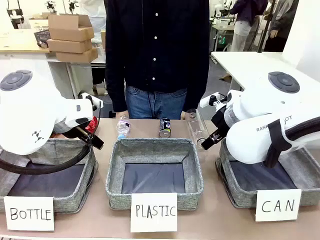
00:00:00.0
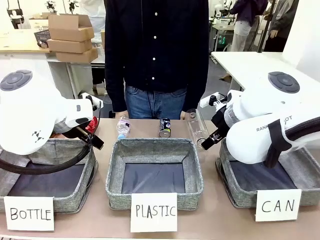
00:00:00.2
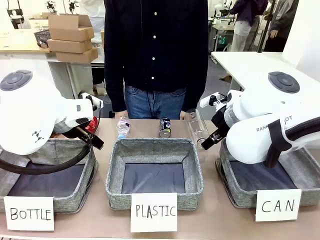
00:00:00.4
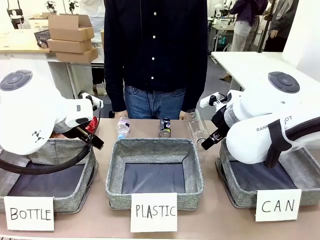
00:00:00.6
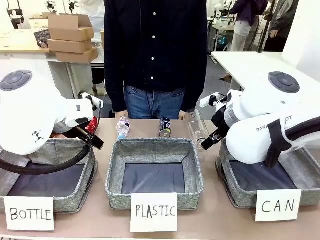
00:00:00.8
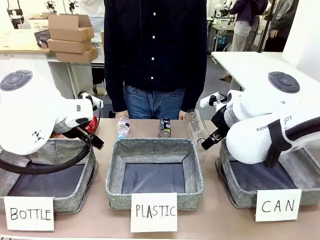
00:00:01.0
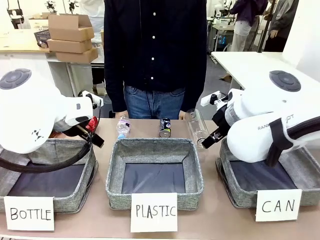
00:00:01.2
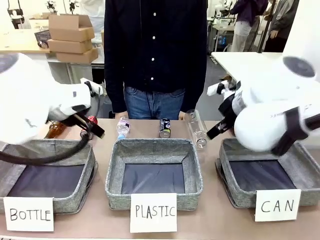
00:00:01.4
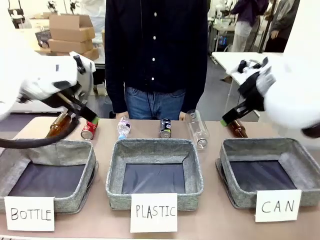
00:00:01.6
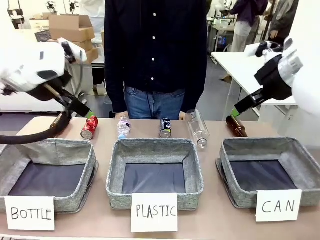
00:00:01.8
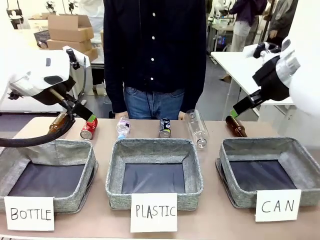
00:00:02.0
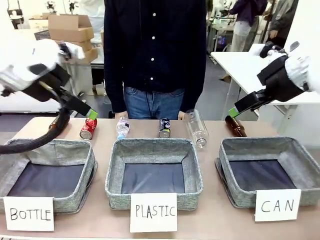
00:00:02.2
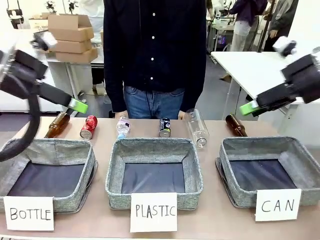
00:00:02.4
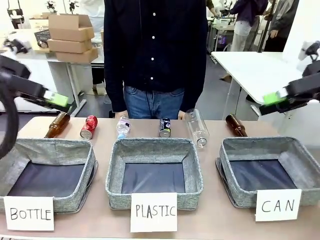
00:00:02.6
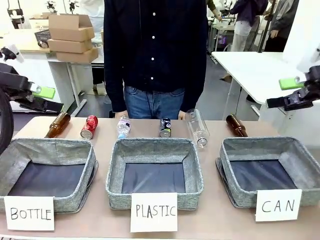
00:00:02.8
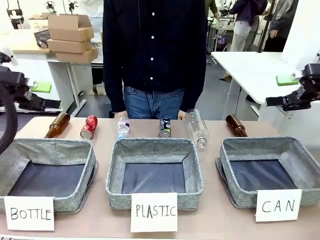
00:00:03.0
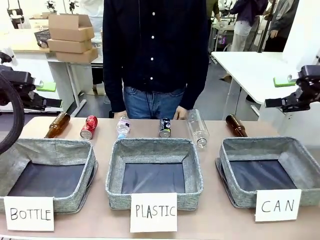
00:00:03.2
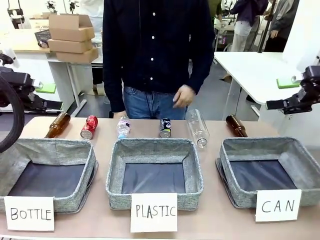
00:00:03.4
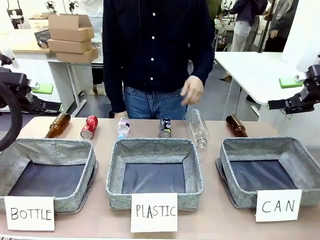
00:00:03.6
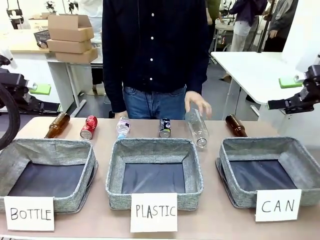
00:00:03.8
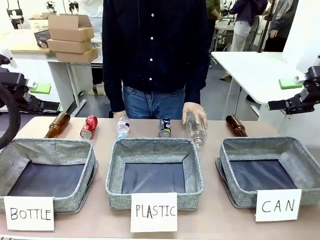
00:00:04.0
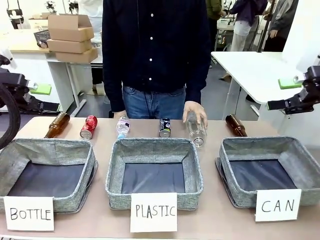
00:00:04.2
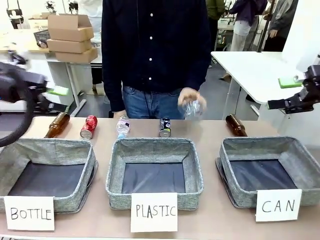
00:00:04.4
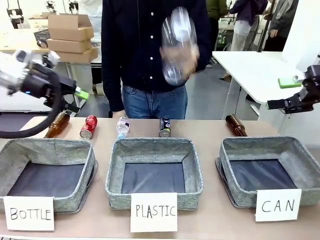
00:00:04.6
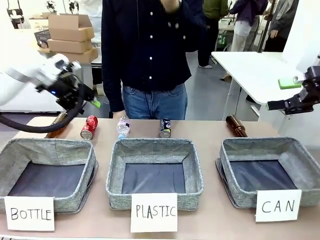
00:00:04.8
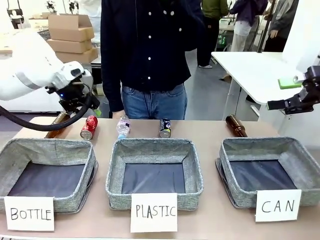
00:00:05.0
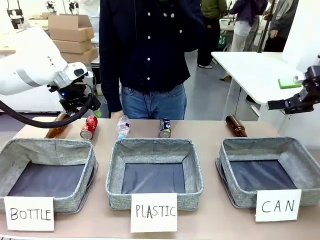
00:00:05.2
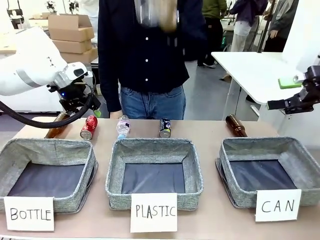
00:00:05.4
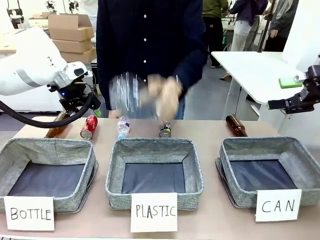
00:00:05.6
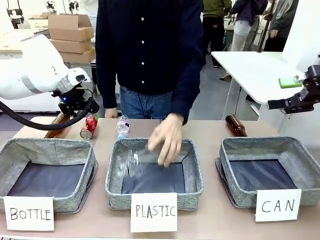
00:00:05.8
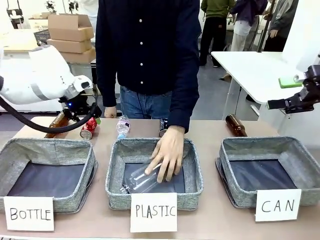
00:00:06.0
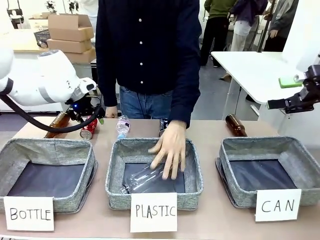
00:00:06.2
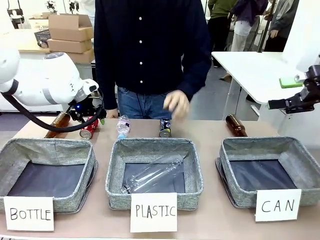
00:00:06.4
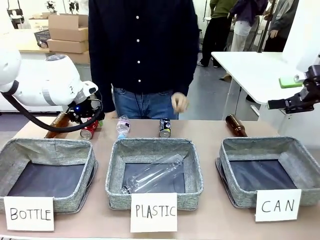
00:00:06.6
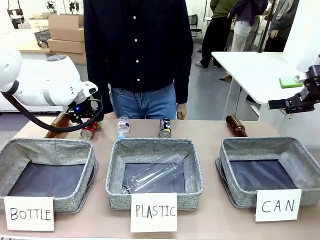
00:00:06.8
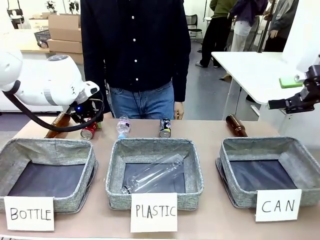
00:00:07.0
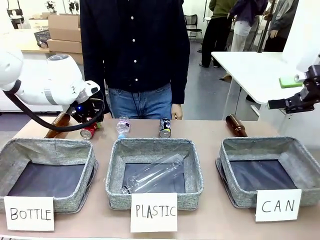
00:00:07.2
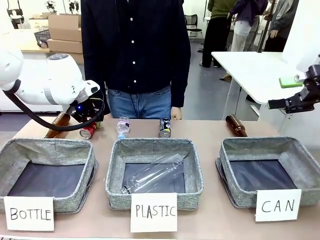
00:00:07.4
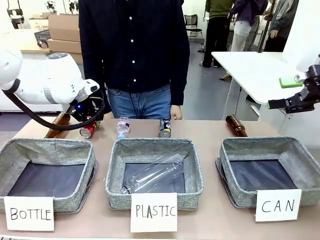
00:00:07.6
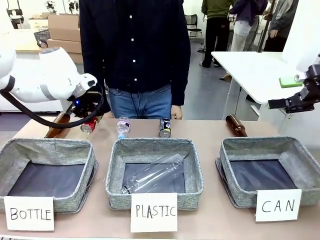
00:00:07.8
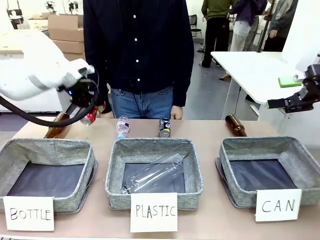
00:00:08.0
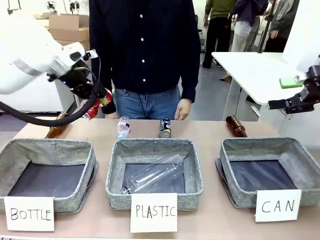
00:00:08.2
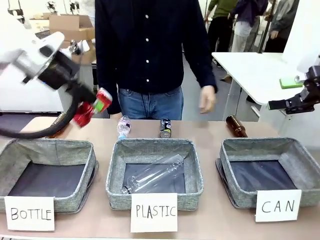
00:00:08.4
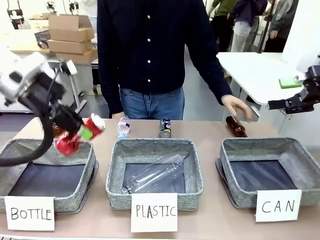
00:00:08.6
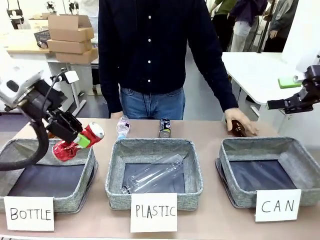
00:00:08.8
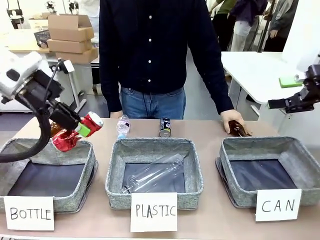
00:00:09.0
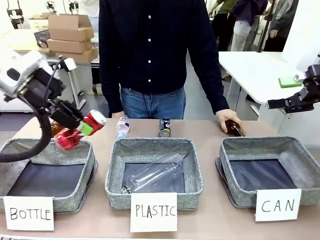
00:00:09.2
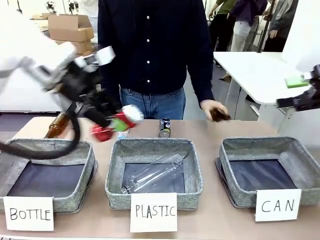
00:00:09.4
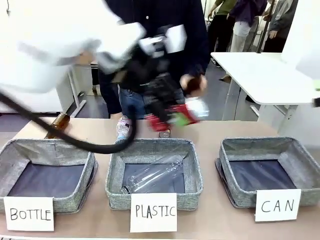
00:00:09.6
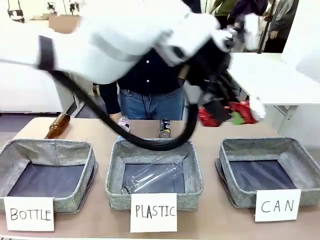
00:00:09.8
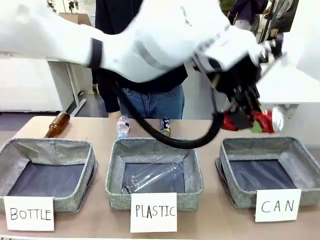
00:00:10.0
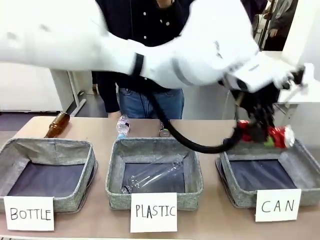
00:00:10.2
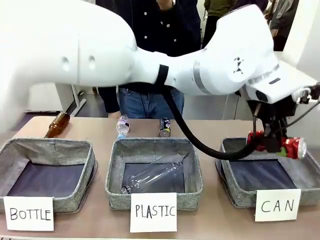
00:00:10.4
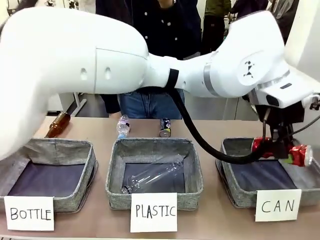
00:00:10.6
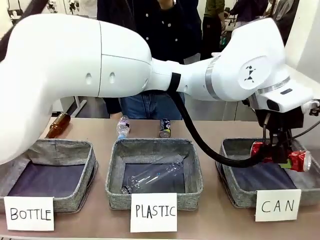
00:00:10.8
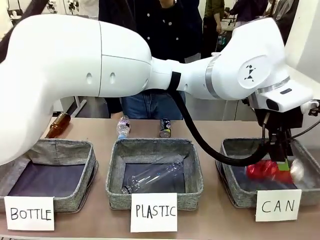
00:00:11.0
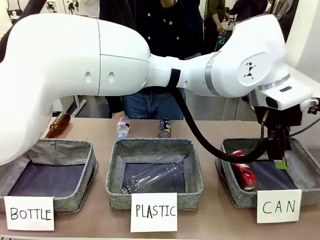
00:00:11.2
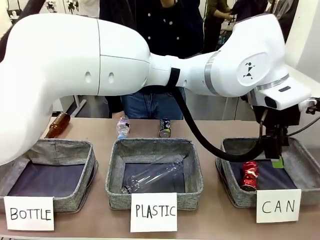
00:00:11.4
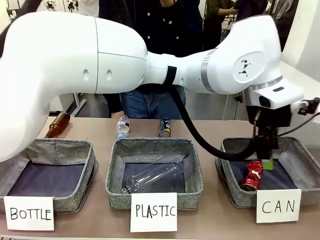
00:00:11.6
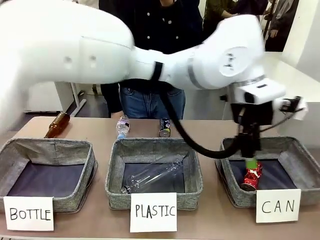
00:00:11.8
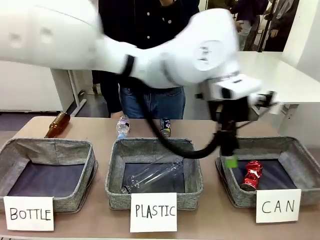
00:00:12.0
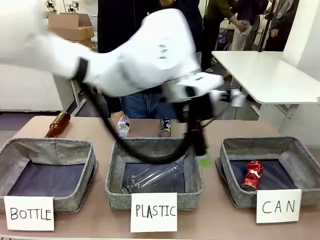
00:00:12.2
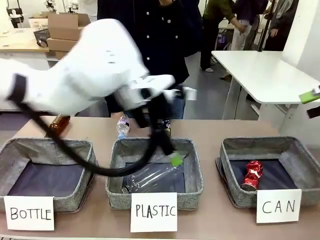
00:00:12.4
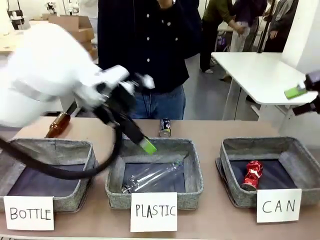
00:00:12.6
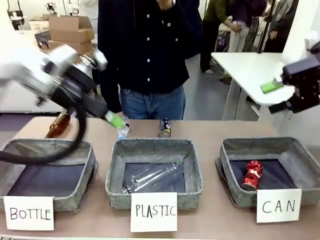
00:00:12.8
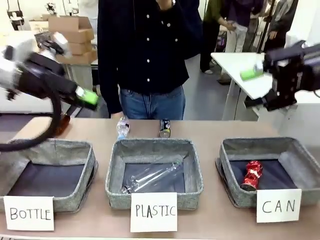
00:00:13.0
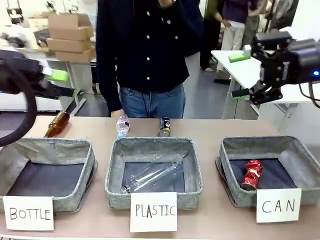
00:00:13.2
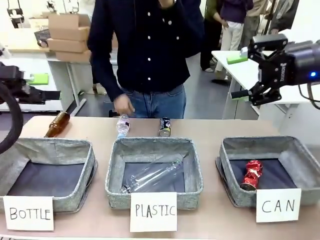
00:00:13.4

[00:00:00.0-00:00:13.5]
Task: Sort the can waste into the basket.
Robot: Pick up the can waste from the table and place it in the right Fabric basket.

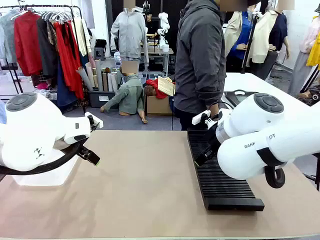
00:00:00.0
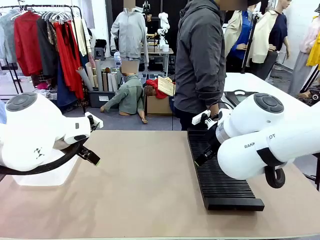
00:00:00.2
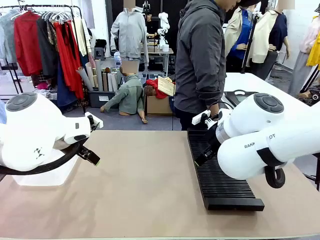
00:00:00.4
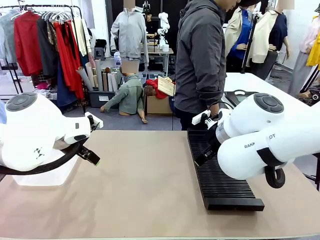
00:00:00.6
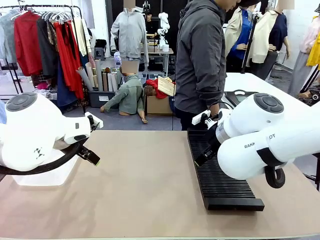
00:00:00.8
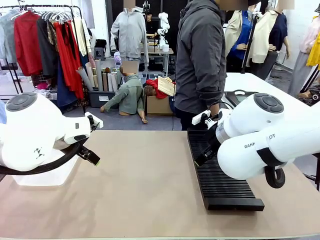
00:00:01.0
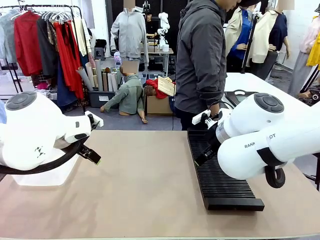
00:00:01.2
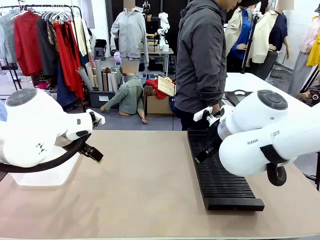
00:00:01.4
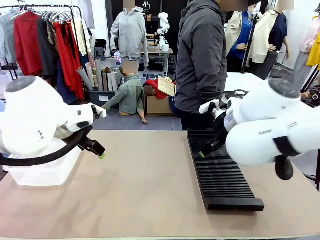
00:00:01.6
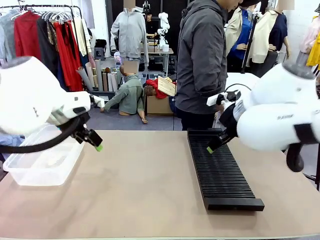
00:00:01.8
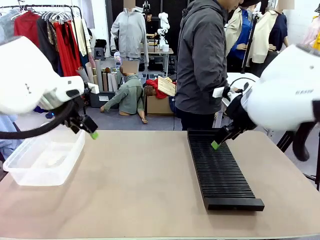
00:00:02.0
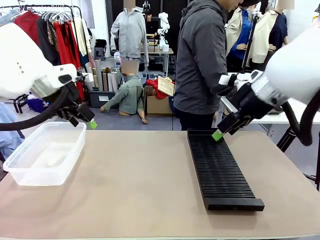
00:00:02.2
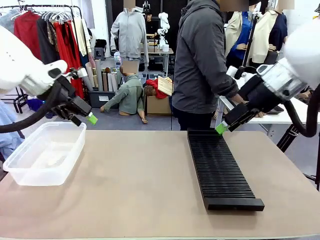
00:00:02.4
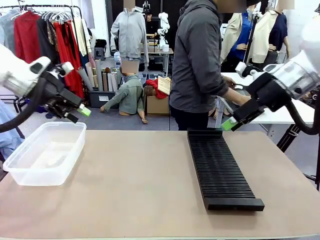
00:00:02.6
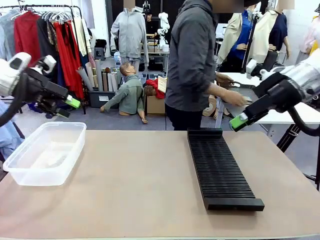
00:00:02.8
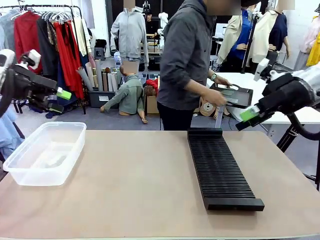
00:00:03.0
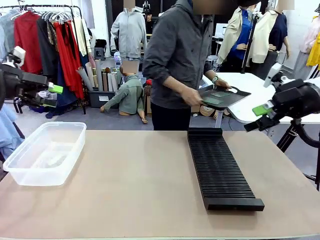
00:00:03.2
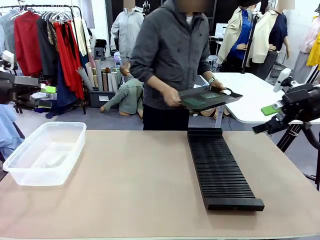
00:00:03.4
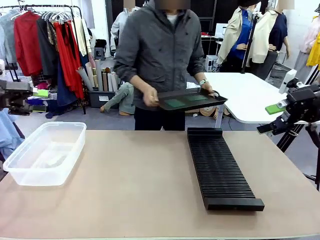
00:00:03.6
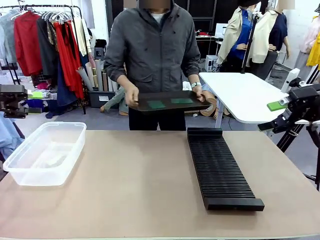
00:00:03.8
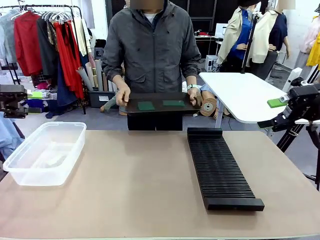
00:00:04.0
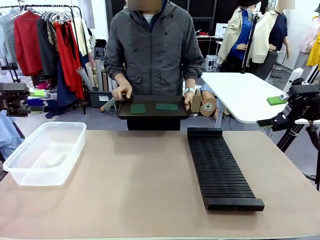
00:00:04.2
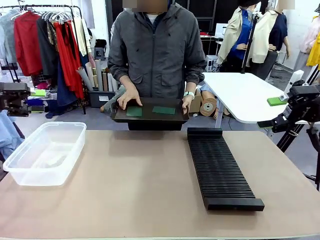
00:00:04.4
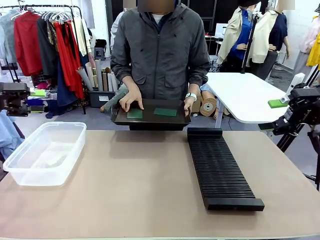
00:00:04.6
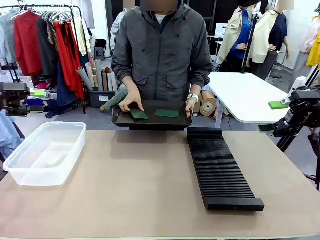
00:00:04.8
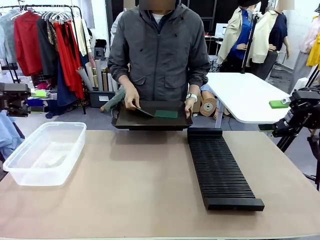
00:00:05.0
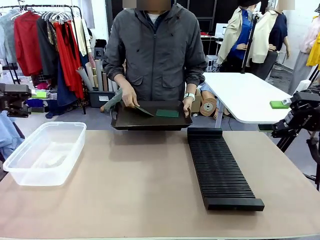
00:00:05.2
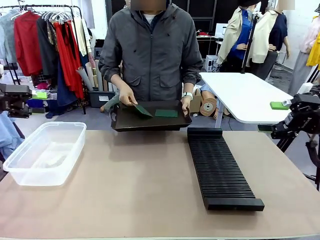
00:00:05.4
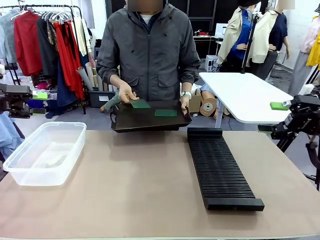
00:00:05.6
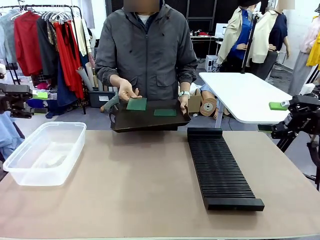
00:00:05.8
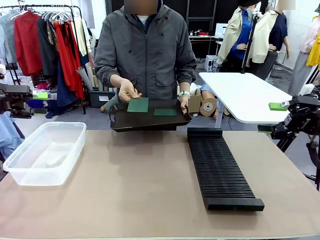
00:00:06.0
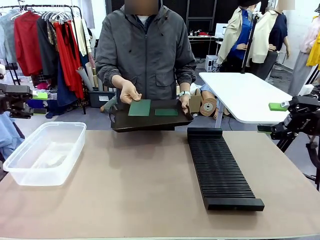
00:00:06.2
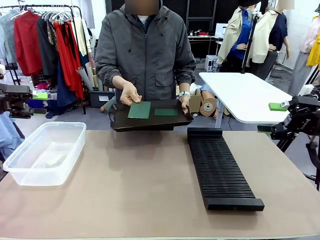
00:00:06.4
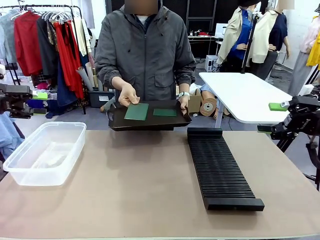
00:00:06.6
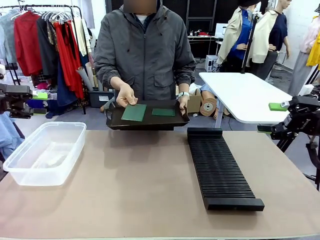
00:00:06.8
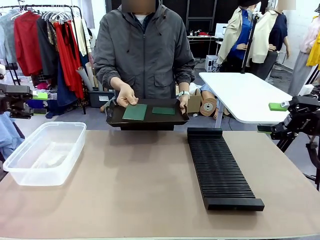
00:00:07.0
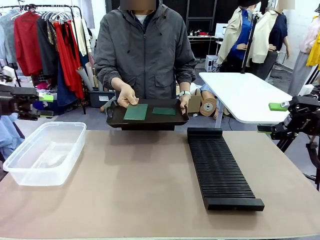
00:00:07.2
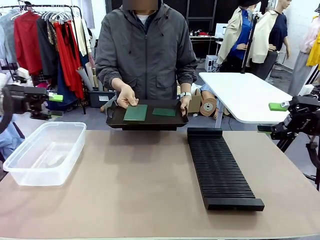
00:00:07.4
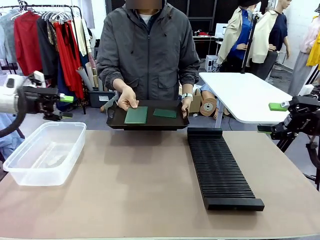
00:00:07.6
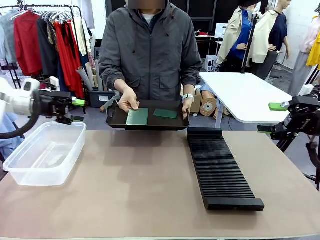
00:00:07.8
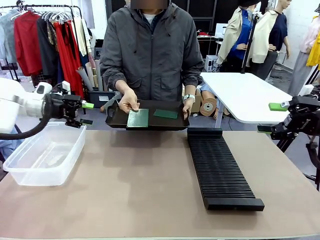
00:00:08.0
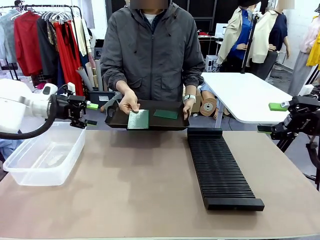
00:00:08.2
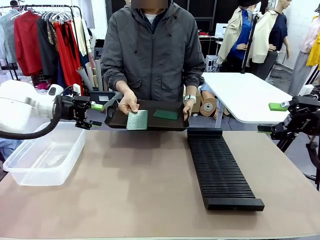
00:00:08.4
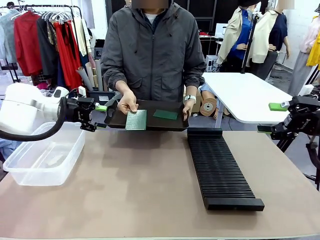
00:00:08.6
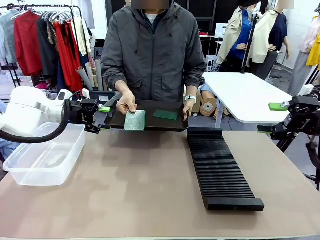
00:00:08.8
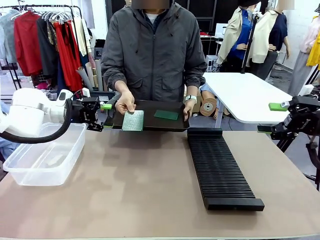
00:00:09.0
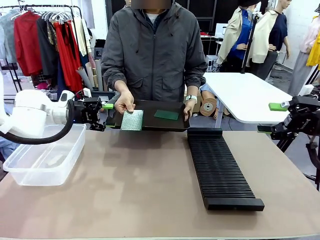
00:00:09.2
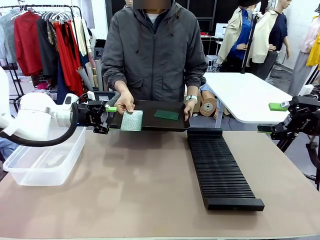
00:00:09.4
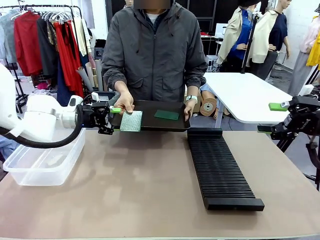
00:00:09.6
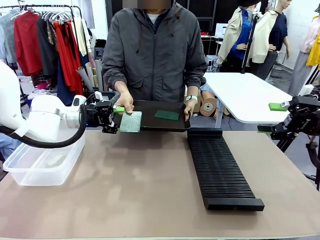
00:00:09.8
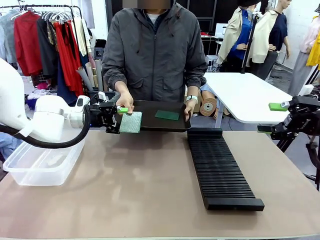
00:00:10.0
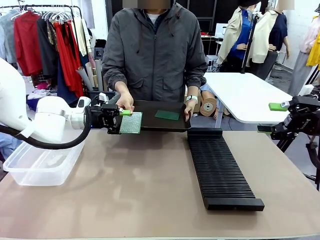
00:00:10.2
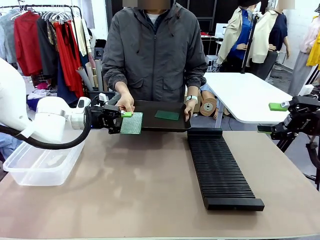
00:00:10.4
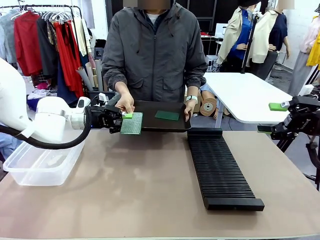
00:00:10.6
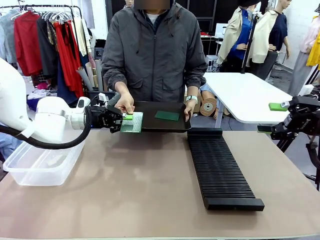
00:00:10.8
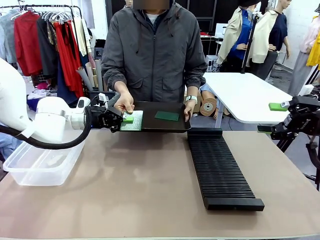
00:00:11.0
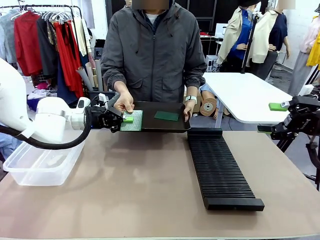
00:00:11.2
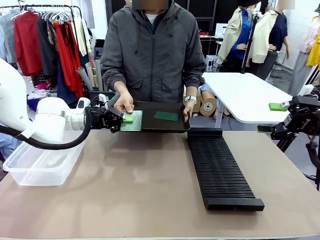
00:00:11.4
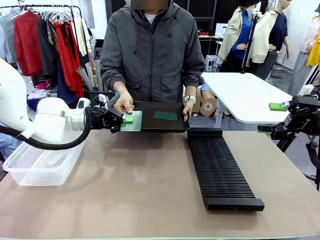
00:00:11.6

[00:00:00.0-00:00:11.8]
Task: Sort PCBs into racks and boxes based on the side picked up.
Robot: Pick up the Blank PCB handed by the Human.
Person: Pick one PCB from the tray and present it to the robot. Release the PCB being held.
